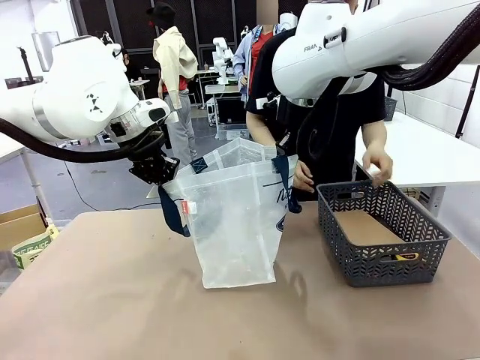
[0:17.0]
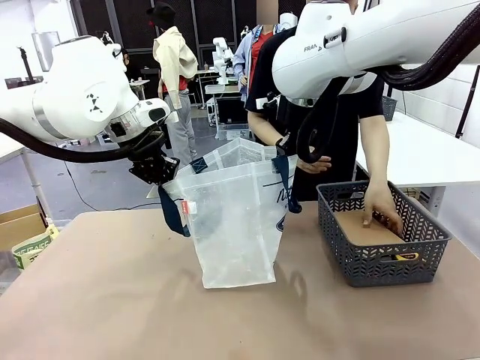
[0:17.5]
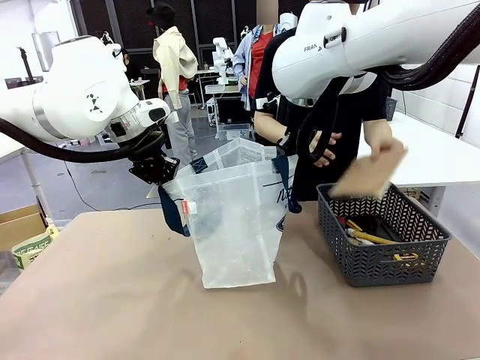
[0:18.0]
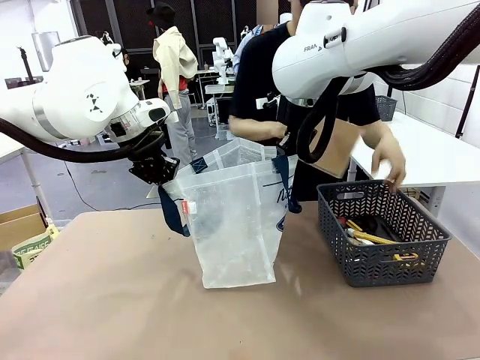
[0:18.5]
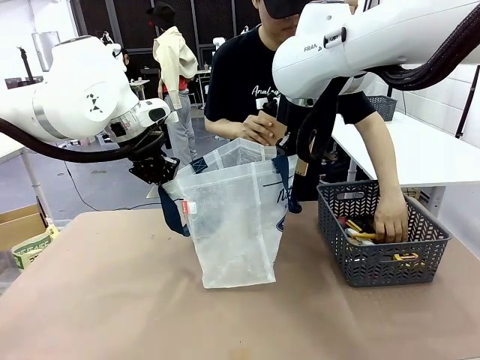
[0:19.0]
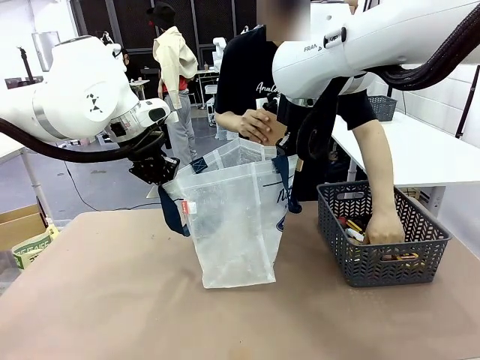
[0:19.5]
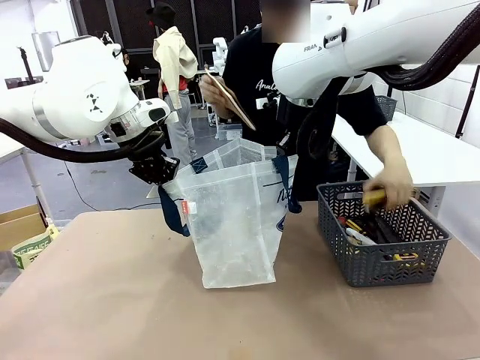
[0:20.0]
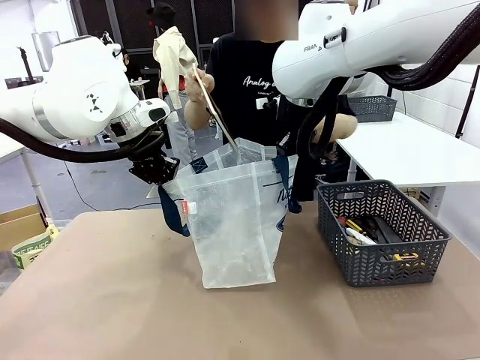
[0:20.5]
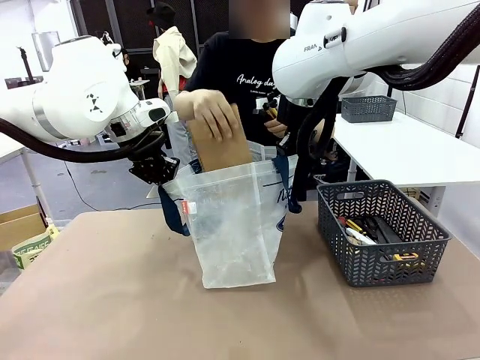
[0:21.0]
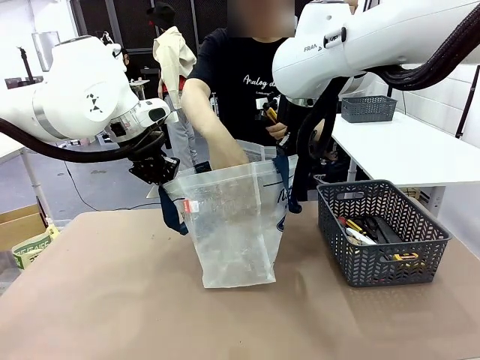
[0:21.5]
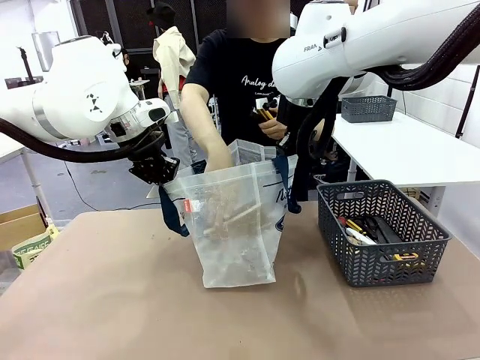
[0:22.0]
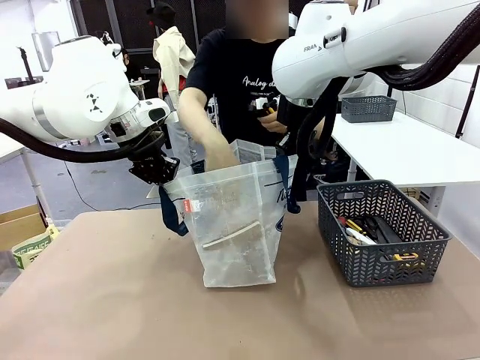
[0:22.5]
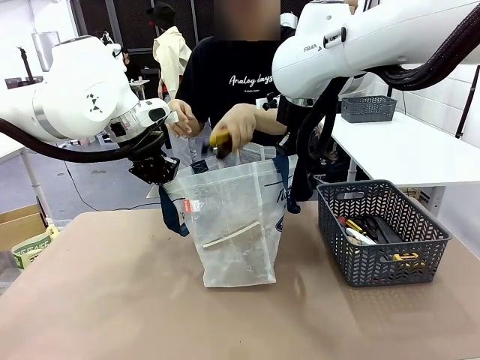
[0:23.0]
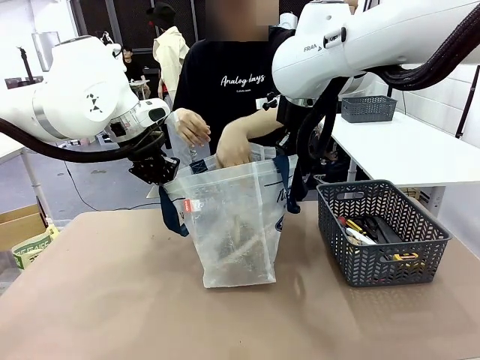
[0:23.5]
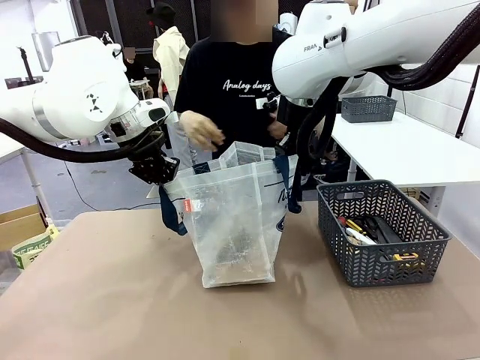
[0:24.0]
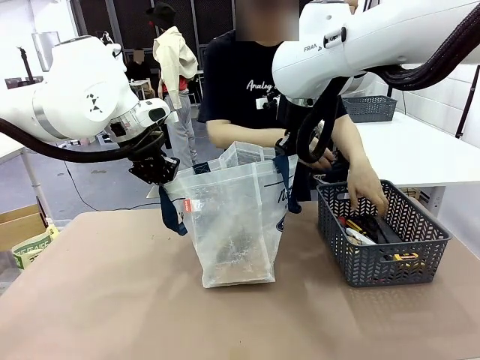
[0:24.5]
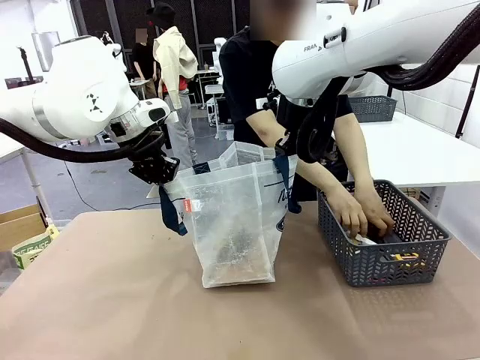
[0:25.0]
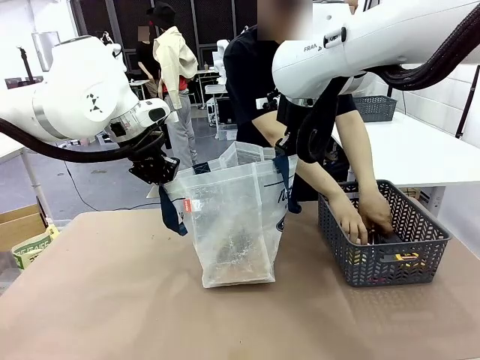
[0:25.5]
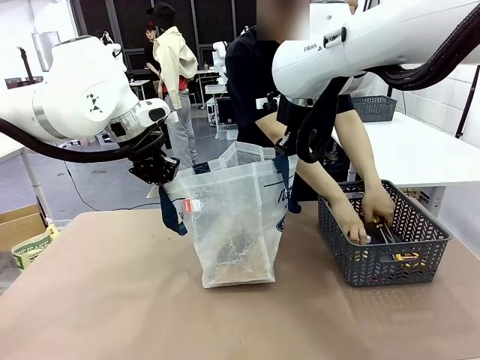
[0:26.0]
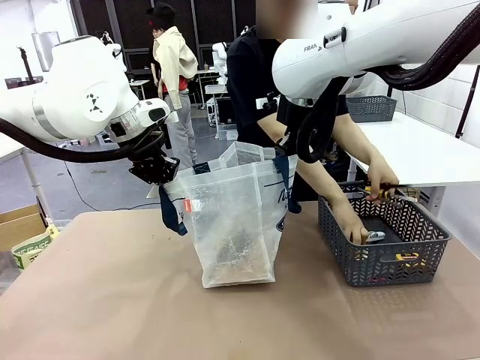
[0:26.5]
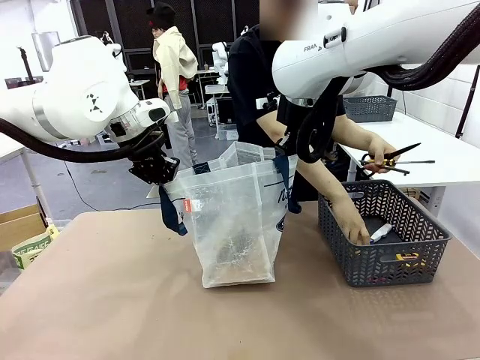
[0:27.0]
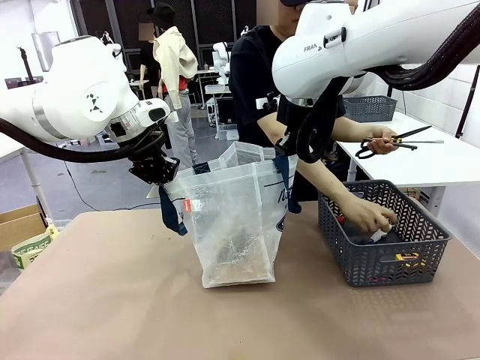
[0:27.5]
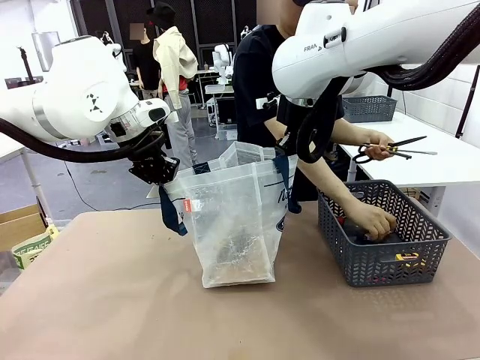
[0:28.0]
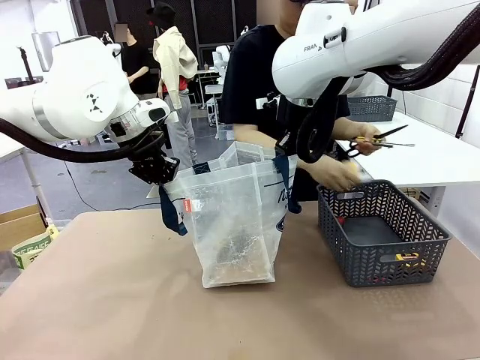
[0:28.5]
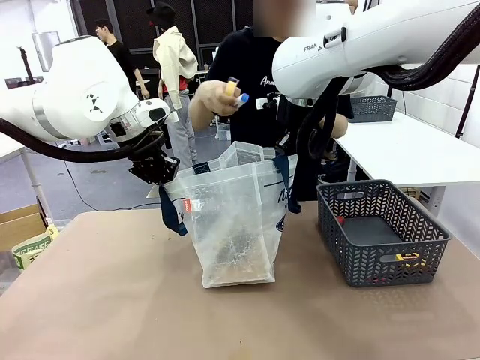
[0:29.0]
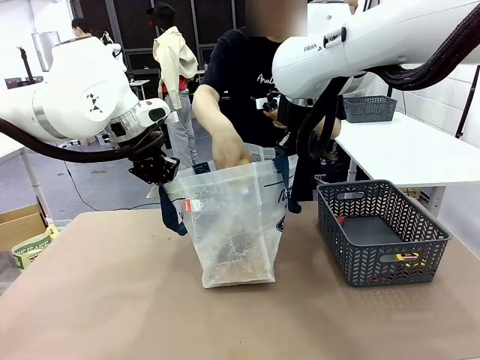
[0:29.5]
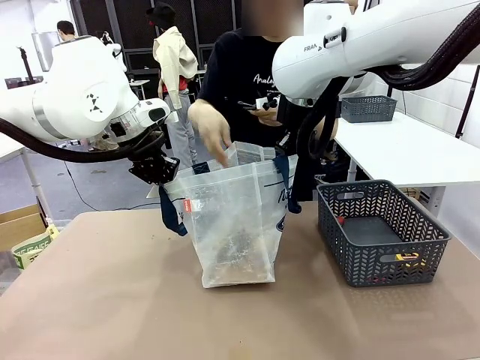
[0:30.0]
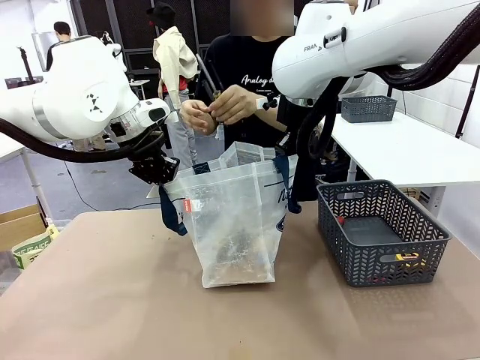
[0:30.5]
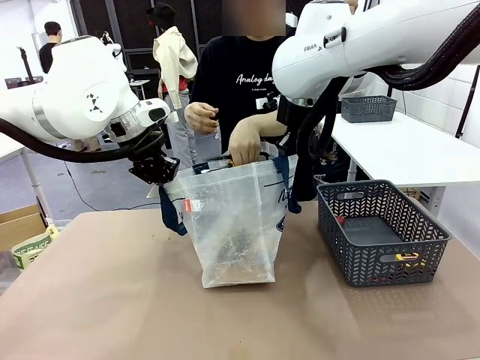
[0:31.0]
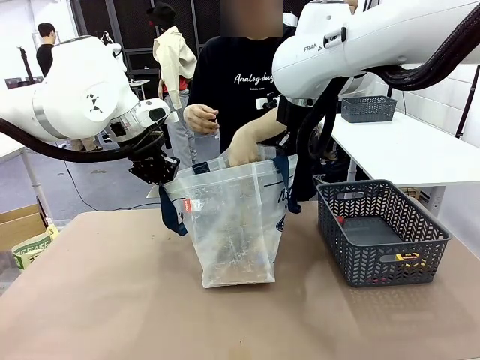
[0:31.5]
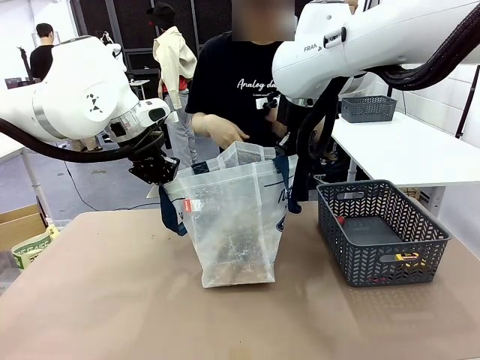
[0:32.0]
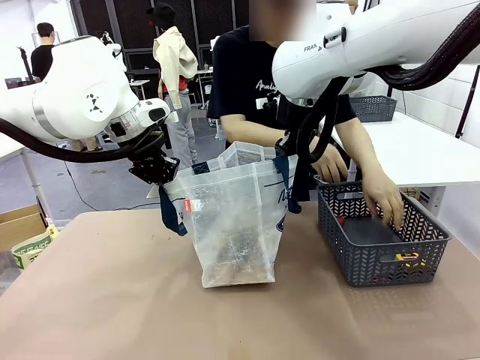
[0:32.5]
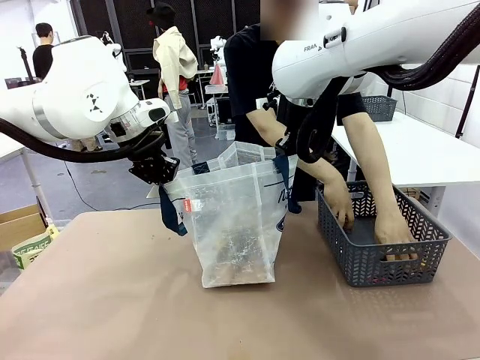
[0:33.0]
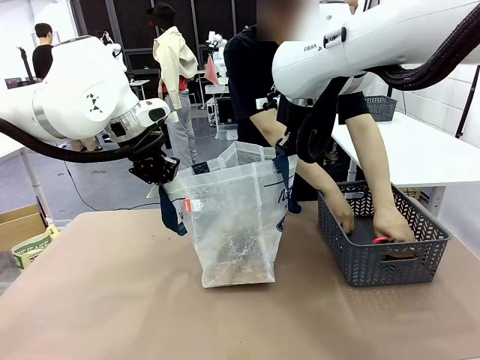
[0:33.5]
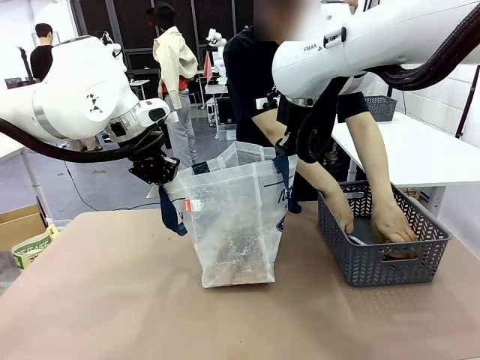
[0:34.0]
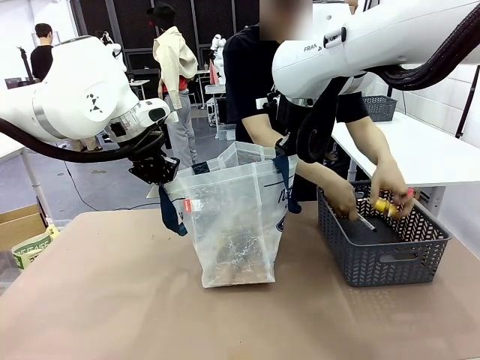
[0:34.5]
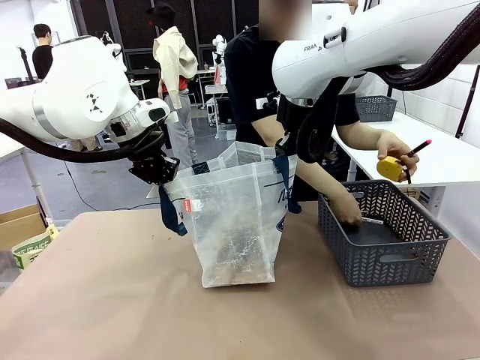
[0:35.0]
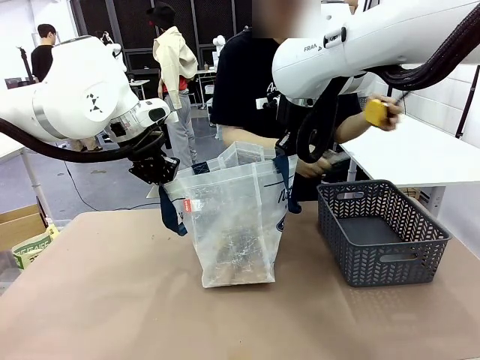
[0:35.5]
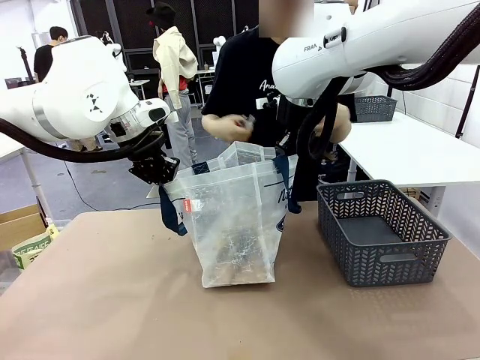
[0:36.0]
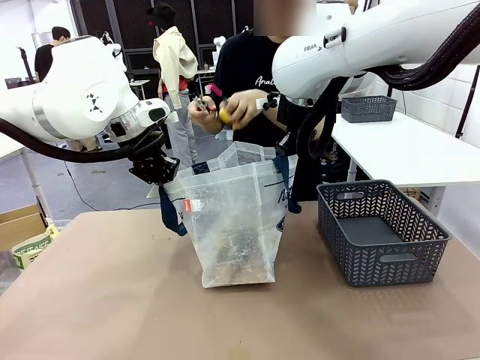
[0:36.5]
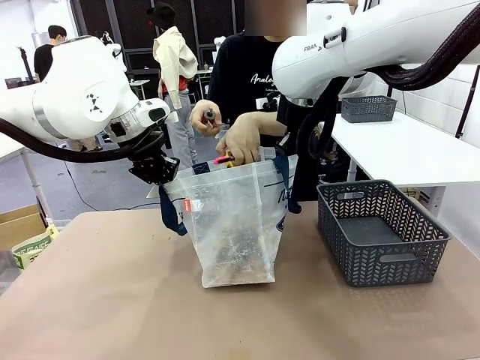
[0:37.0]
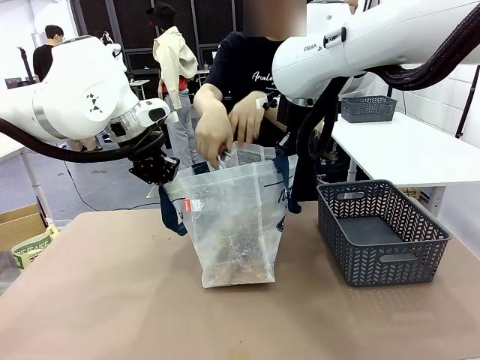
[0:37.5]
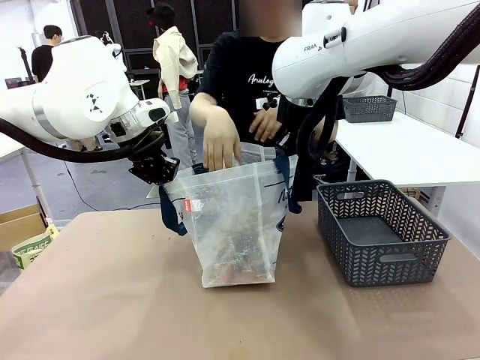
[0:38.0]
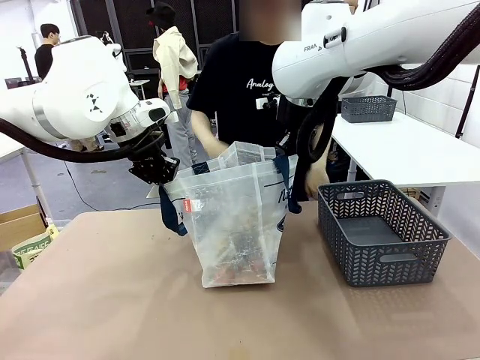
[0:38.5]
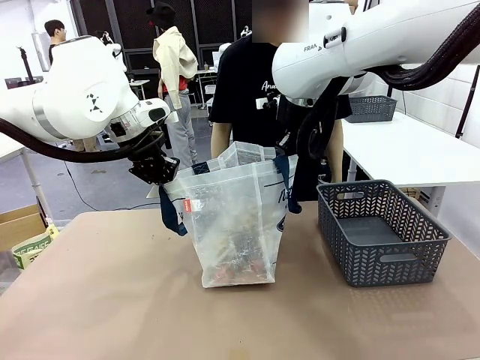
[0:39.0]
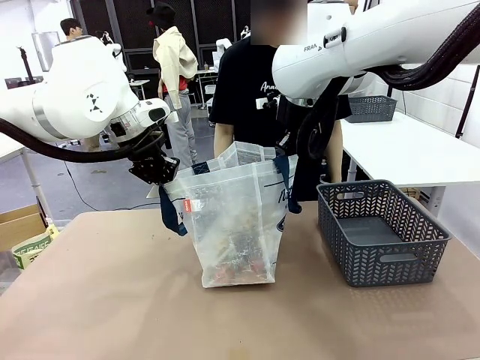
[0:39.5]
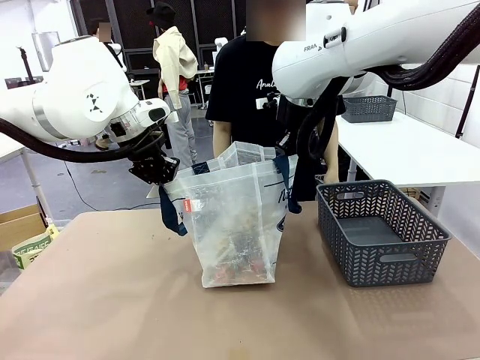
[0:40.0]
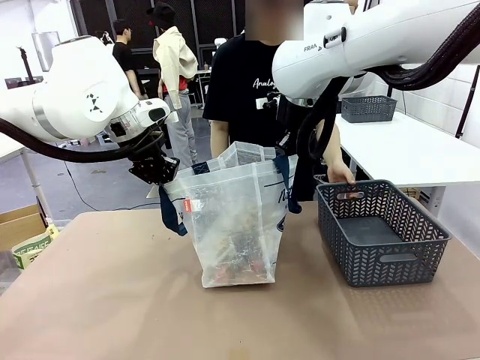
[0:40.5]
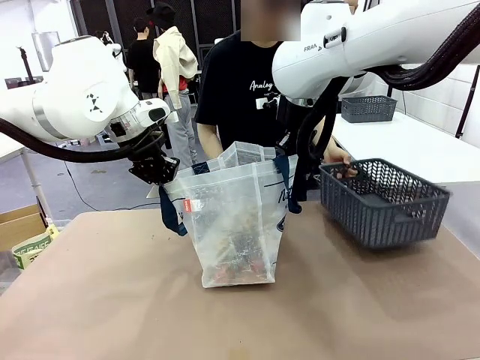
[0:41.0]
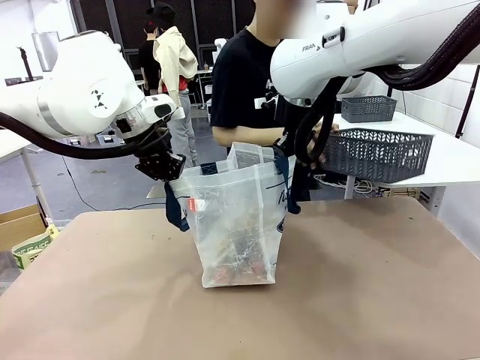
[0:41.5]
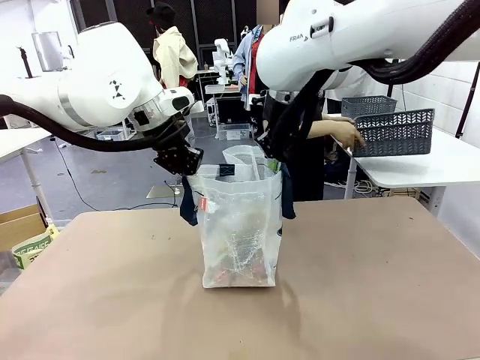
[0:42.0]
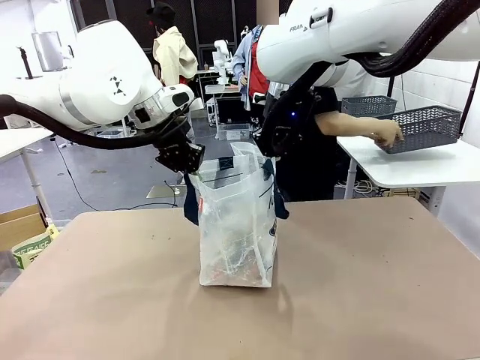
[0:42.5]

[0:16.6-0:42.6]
Task: Transfer purchased items from the store into the shopping bag.
Robot: Move the Reusable shopping bag to the right side of the table.
Person: Pick up the basket on the right, place it on the left side of the robot table, and move the items in the basket to the shopping bag. Pick up the basket with the items out and place it on the right side of the human table.
